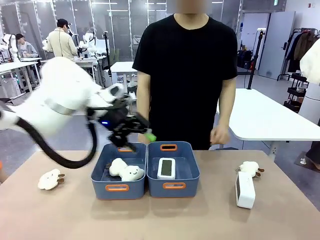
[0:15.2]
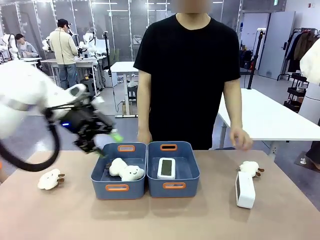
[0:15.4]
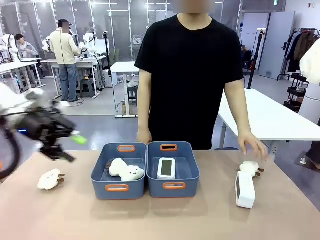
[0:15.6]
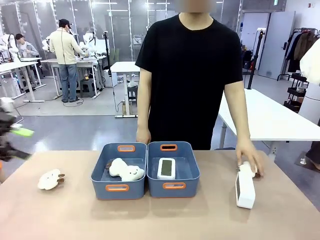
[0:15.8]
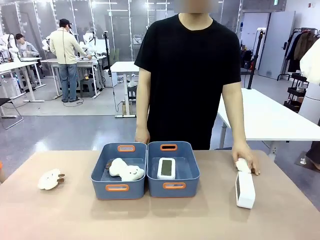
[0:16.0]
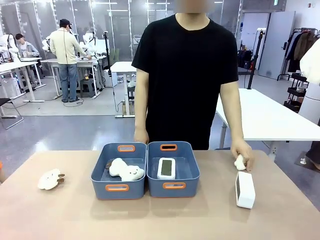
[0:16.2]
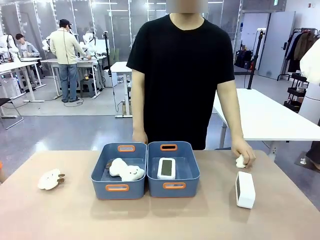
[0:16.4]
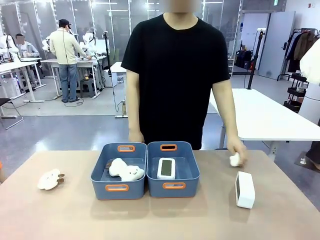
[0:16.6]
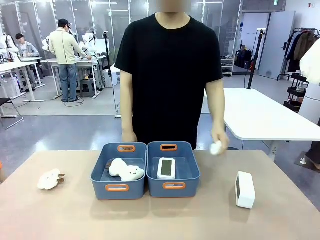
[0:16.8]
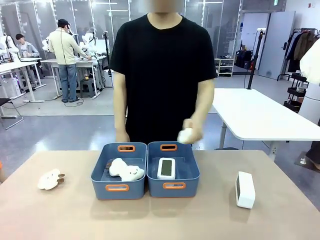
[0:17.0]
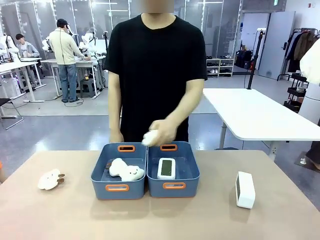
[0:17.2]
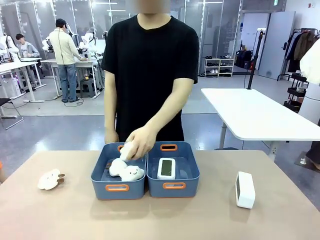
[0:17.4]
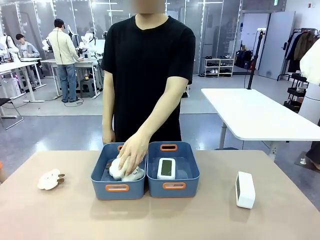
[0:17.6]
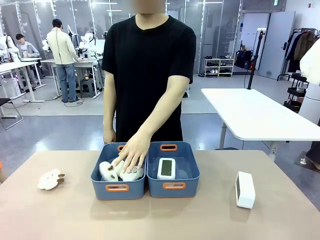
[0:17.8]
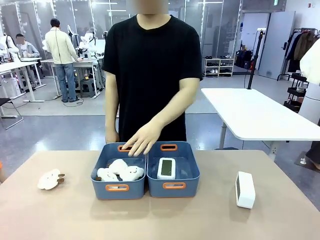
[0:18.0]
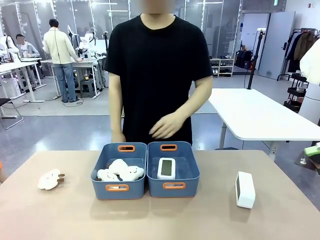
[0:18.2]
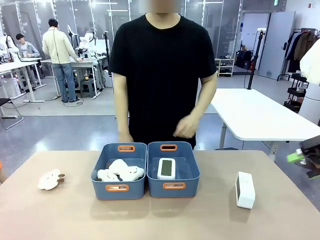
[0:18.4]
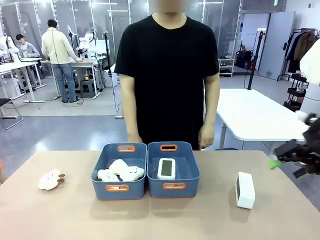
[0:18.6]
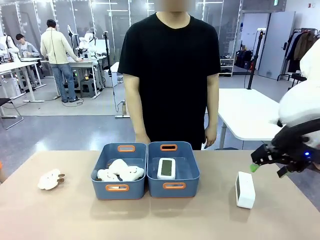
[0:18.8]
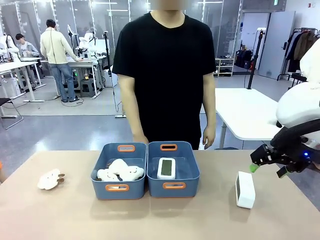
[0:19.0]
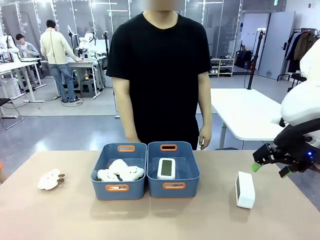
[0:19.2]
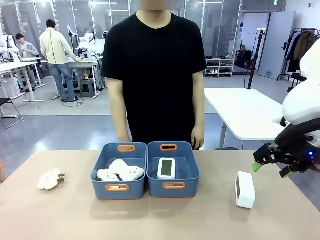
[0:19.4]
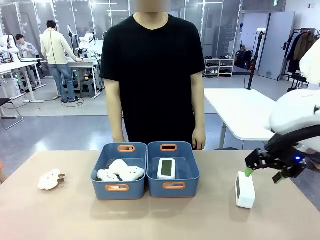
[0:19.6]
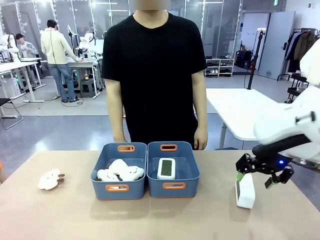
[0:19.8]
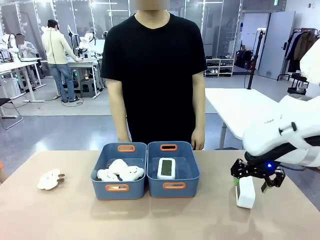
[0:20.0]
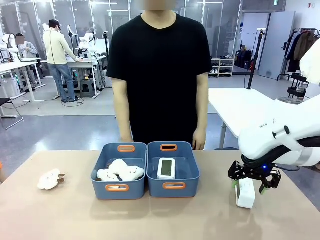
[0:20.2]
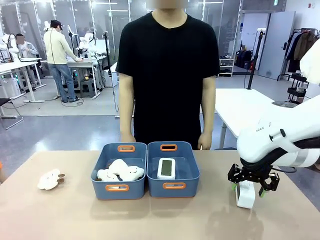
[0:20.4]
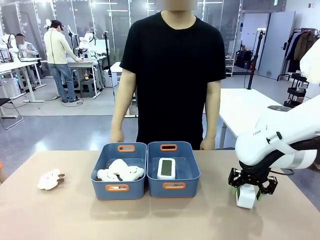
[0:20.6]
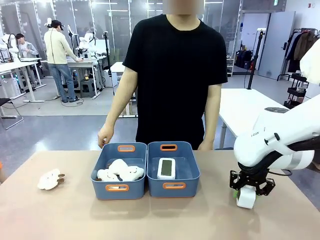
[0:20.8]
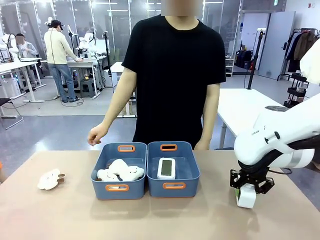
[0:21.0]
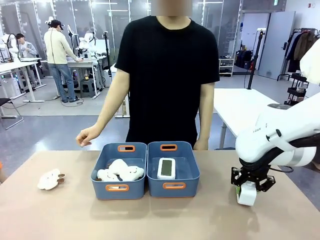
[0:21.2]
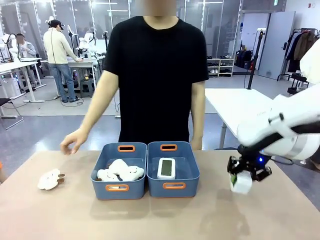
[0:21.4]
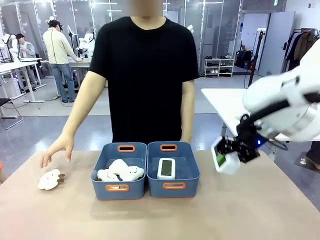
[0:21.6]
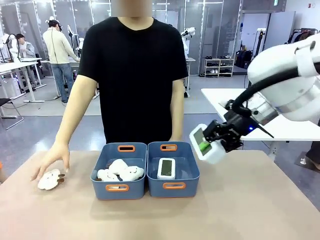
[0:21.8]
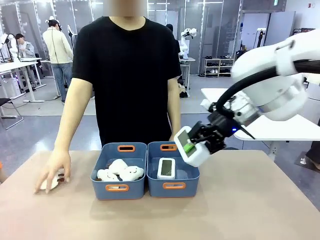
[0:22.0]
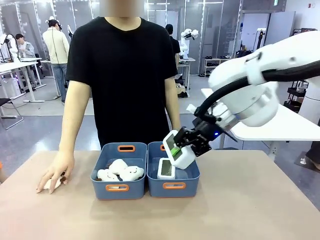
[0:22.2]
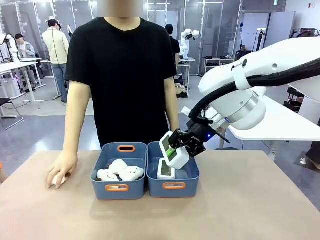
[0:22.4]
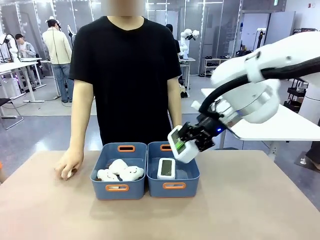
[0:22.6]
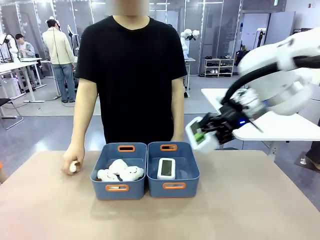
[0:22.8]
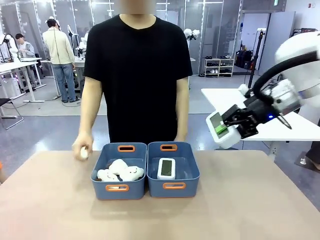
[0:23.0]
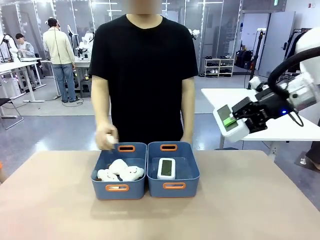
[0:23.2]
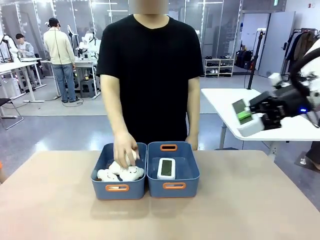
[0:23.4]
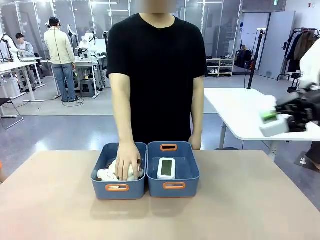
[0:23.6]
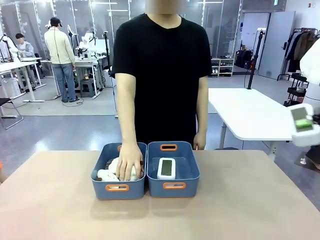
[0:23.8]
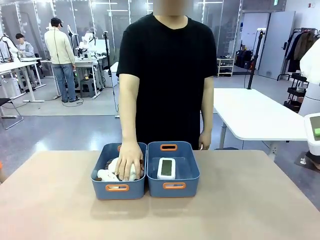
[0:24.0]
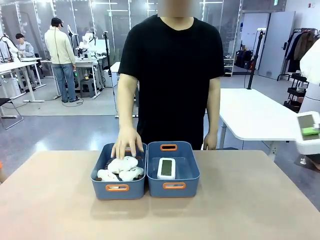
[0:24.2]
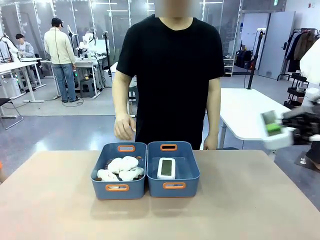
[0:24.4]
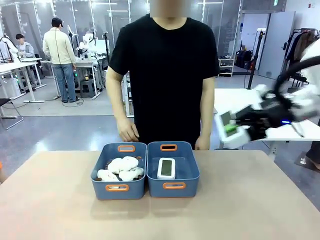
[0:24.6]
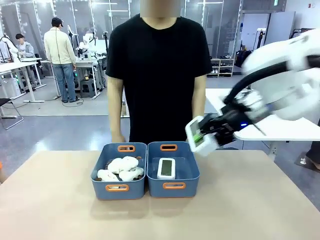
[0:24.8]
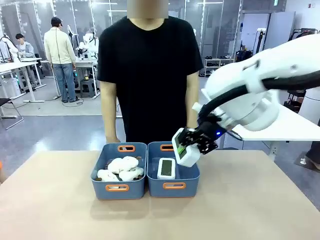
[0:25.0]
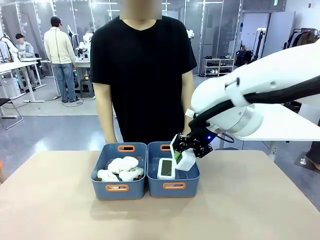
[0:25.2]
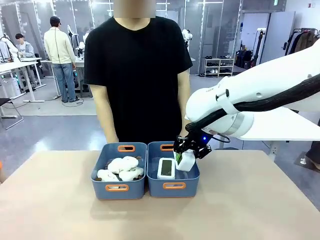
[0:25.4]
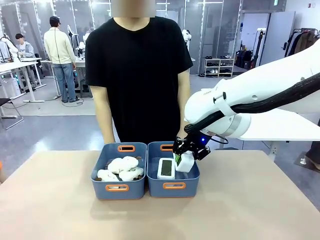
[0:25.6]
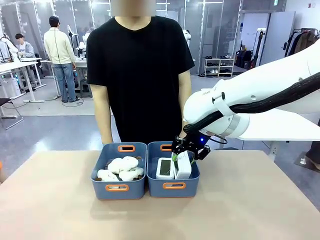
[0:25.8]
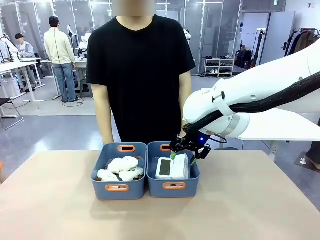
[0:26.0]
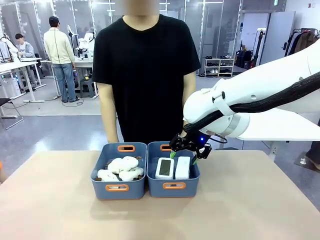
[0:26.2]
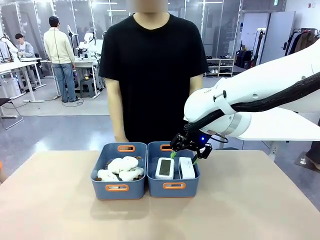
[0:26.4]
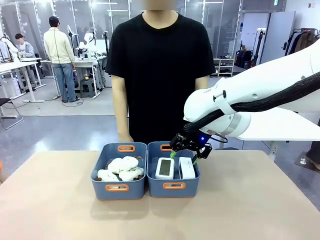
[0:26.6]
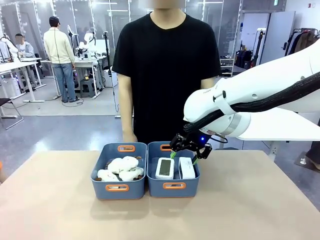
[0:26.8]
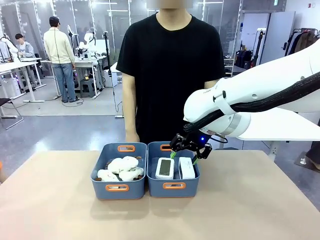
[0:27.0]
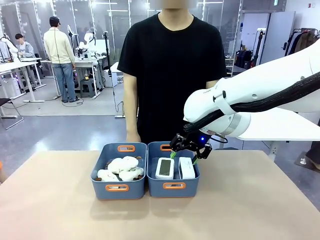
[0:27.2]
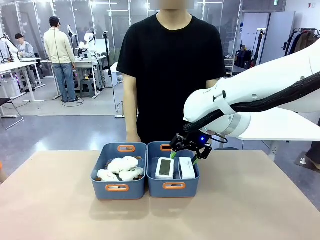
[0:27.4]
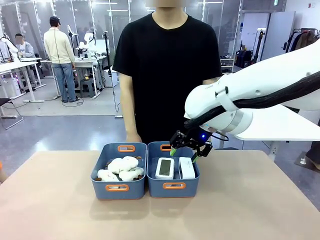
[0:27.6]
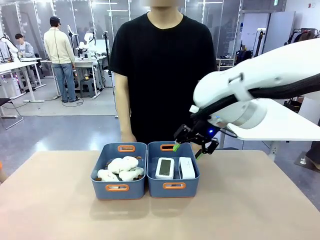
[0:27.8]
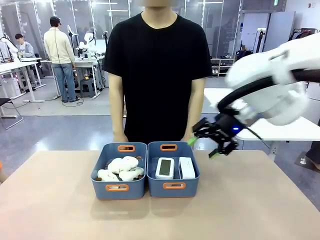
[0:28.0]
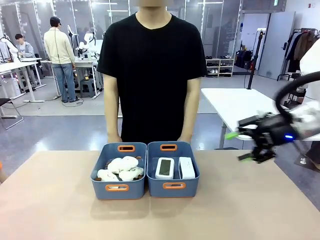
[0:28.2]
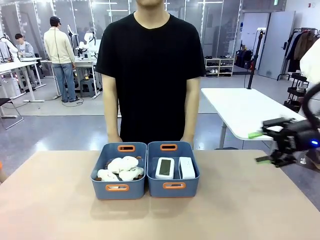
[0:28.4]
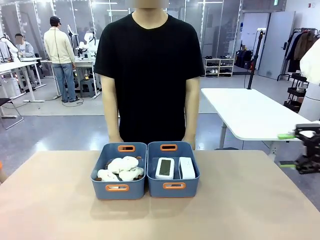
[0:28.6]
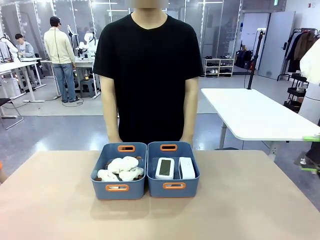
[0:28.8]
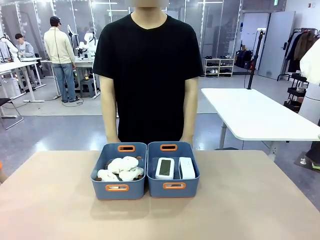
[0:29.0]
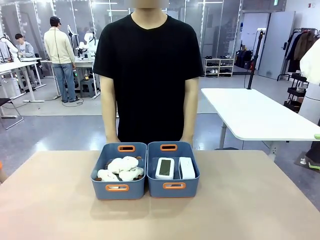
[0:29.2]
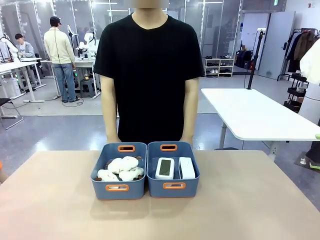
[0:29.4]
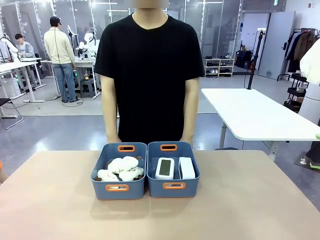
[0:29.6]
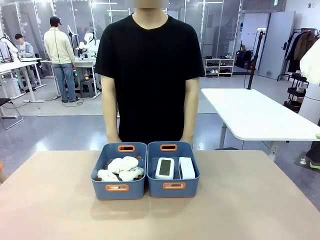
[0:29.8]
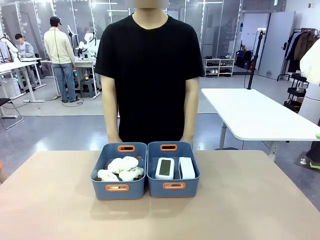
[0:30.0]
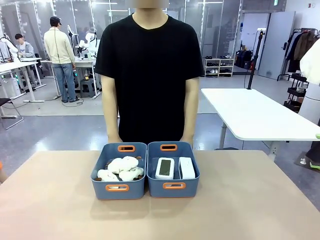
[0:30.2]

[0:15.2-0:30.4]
Task: Sort the digital clocks into the basket.
Robot: Pick up the Digital clock from the table and place it into the empty Plastic storage basket.
Person: Pick up a plush toy from the table and place it in the plastic storage basket containing the plush toy.

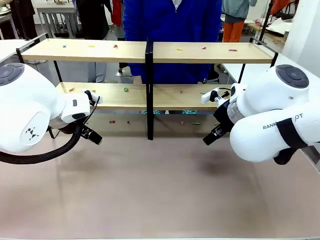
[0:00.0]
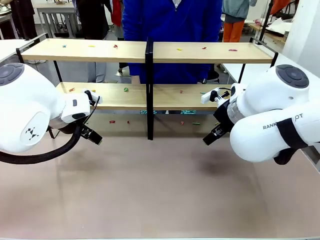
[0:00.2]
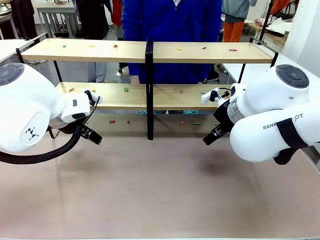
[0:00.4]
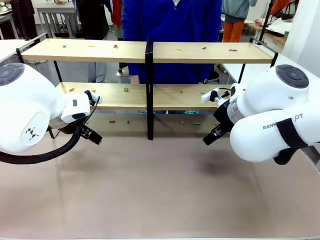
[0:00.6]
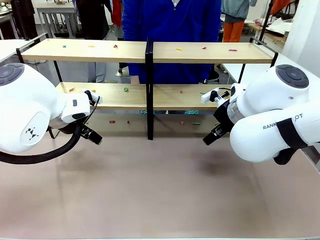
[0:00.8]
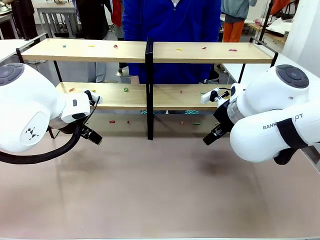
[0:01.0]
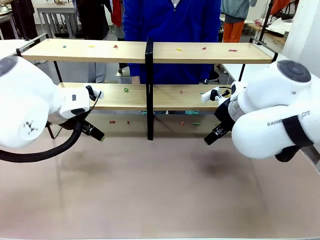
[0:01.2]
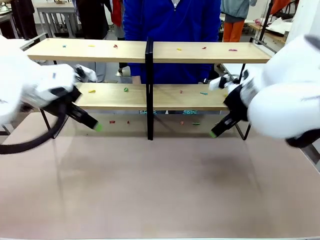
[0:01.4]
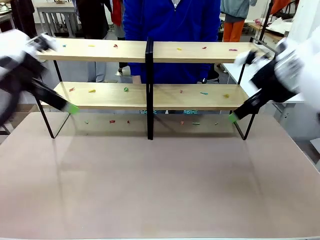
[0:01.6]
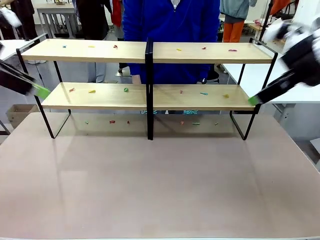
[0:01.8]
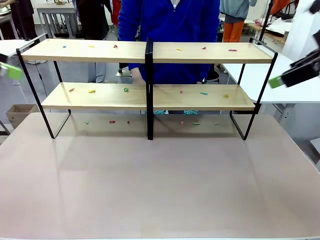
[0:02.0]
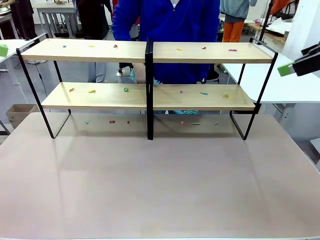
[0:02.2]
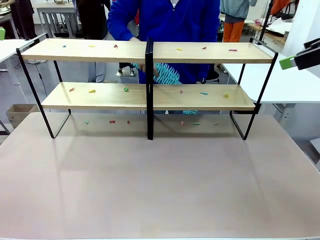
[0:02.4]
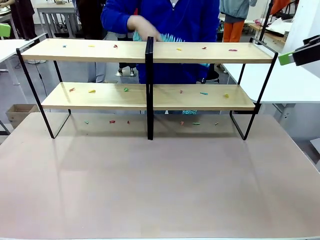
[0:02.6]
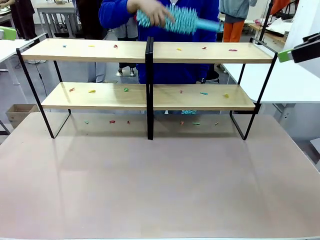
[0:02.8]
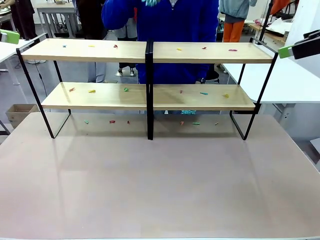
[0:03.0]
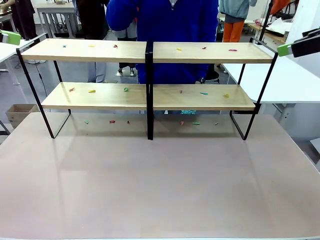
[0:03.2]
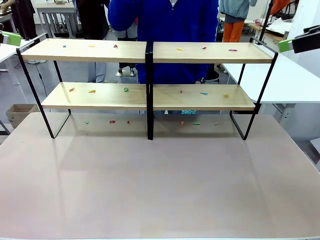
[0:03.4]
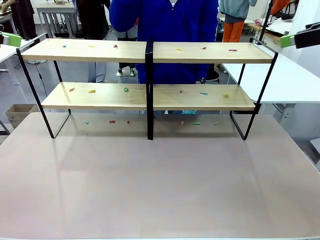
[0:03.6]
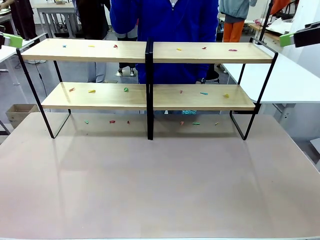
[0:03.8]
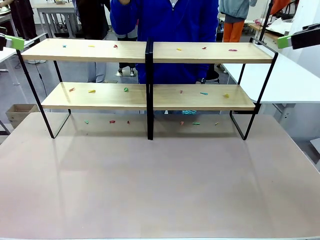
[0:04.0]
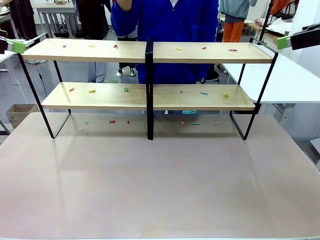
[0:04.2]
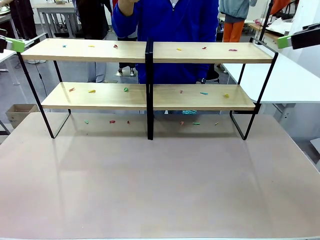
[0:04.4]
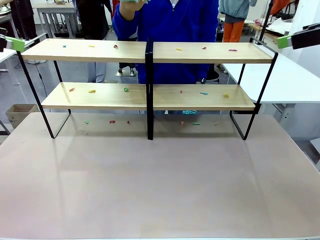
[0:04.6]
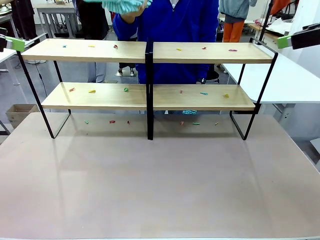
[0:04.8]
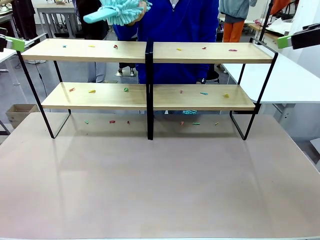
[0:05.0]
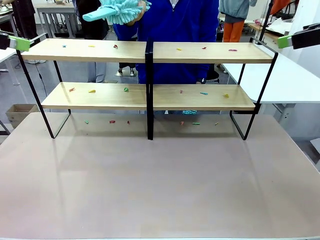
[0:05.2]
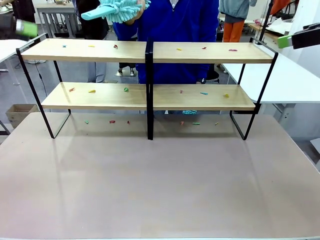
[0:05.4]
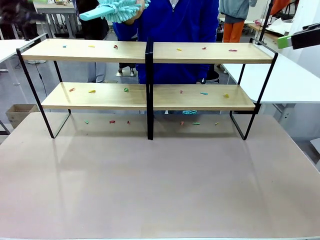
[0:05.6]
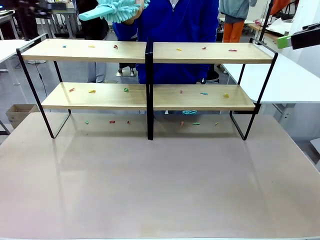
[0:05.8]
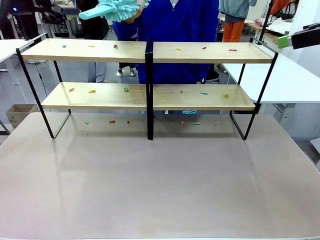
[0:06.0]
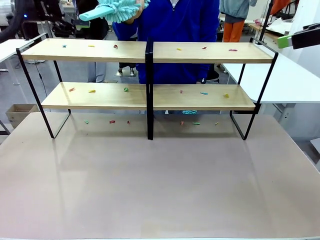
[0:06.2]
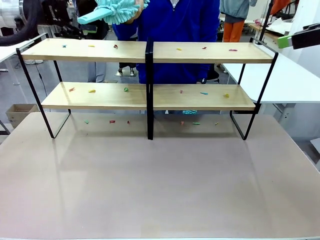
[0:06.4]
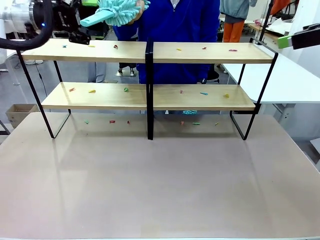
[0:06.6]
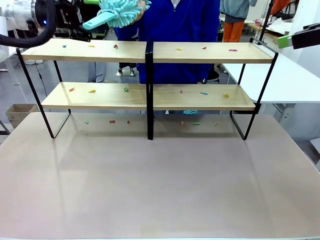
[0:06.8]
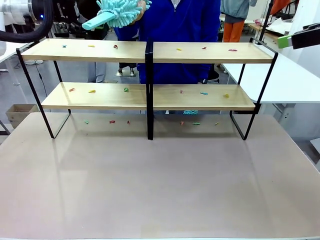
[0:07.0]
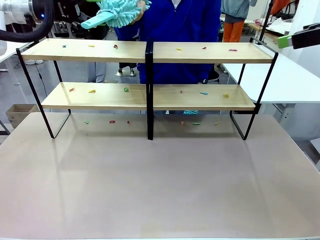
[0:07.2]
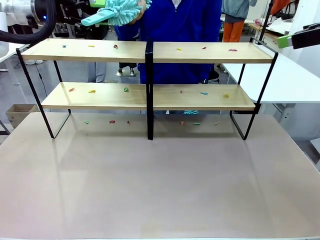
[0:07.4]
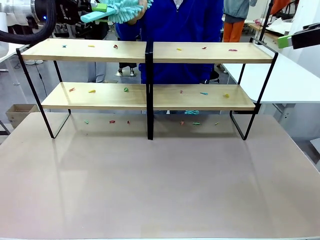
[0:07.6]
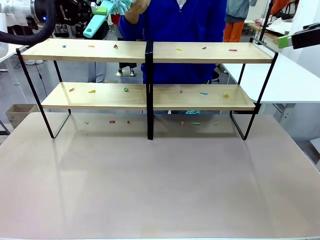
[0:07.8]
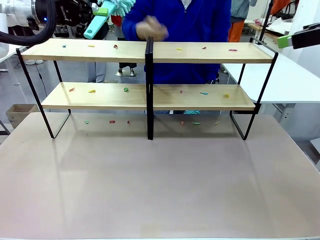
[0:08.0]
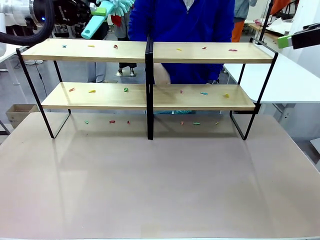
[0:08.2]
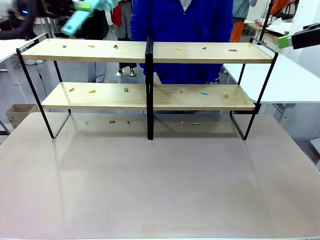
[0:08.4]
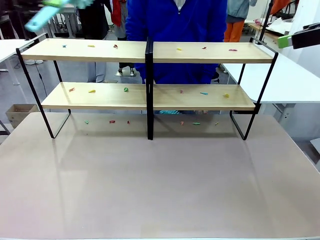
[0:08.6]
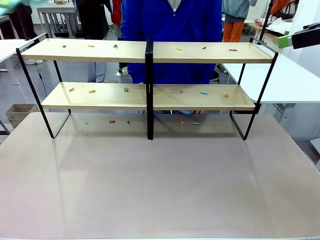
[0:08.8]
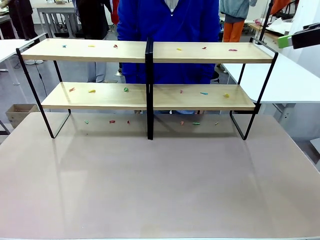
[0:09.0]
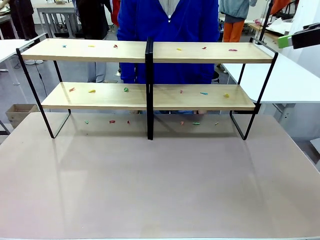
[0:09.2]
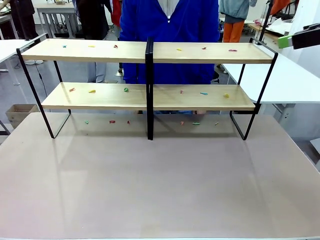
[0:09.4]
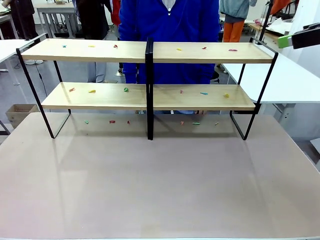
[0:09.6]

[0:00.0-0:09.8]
Task: Clean the shelves.
Robot: Pick up the Duster when the human hands it over.
Person: Hand the Duster to the robot with your right (or left) hand.
